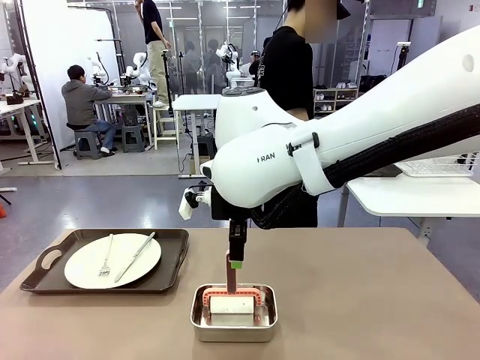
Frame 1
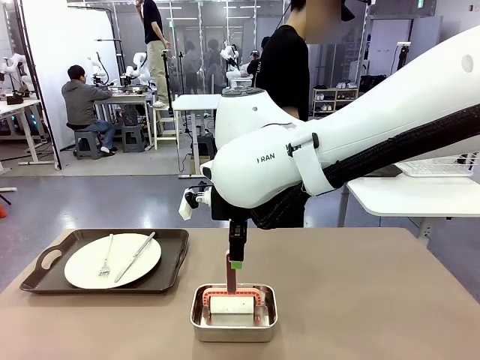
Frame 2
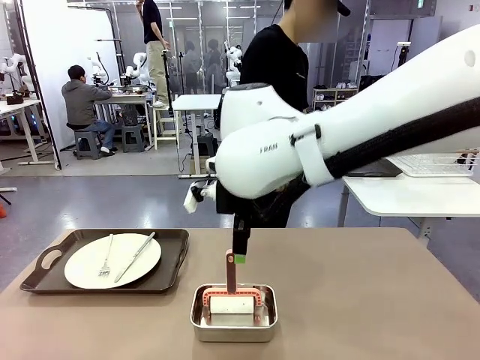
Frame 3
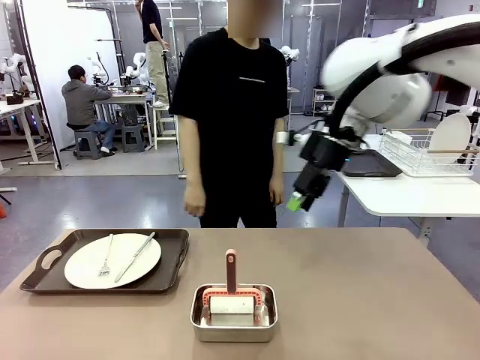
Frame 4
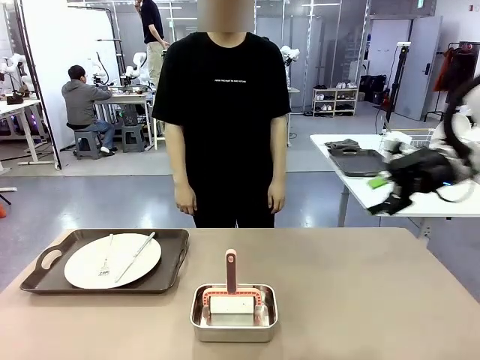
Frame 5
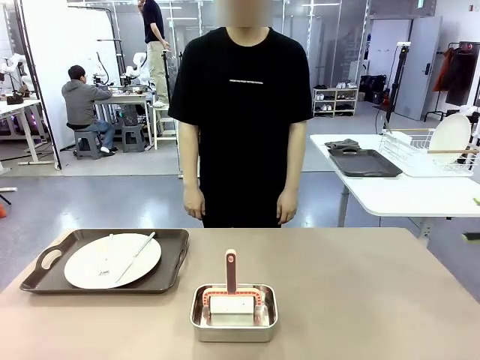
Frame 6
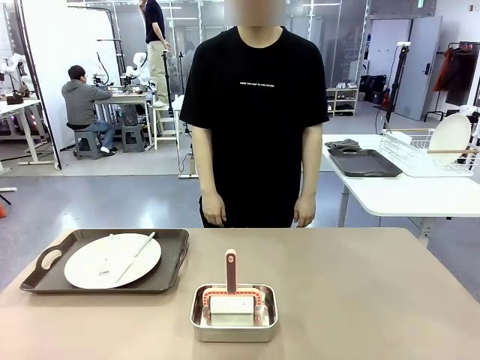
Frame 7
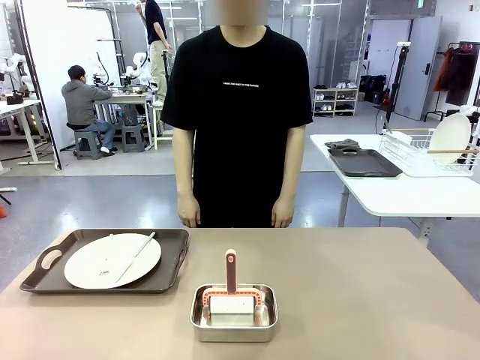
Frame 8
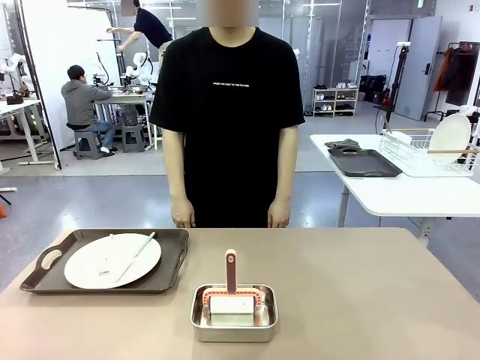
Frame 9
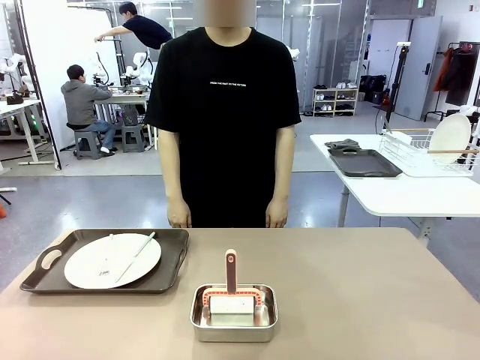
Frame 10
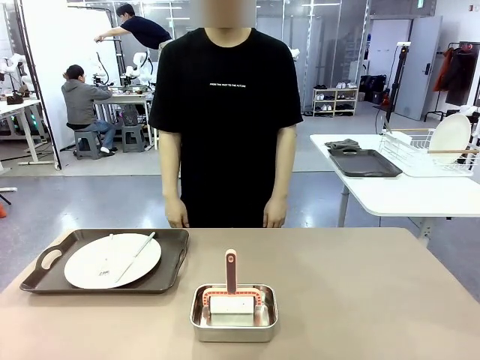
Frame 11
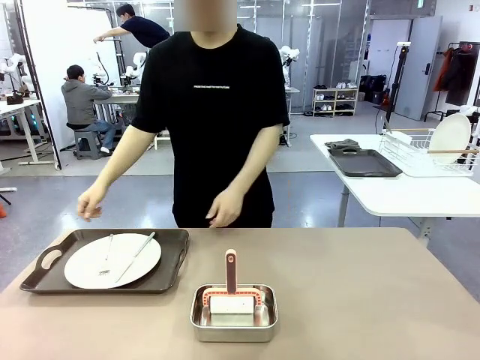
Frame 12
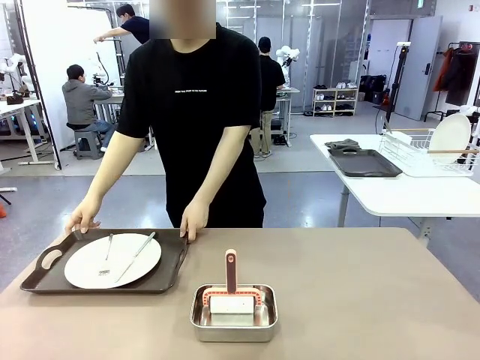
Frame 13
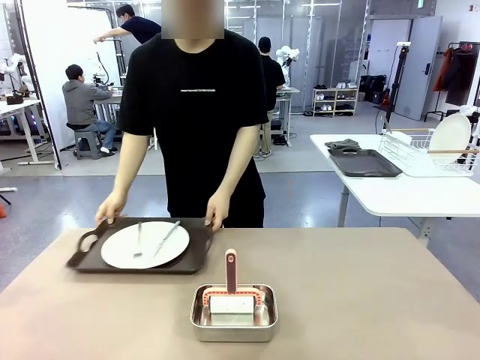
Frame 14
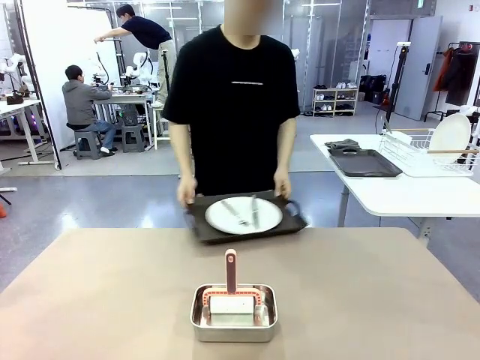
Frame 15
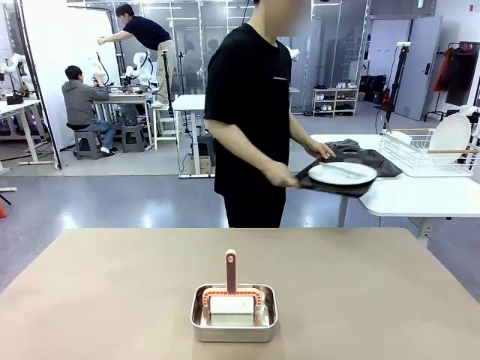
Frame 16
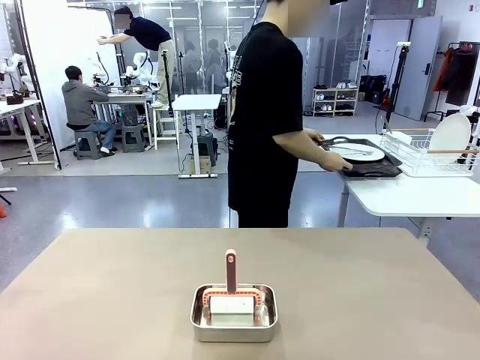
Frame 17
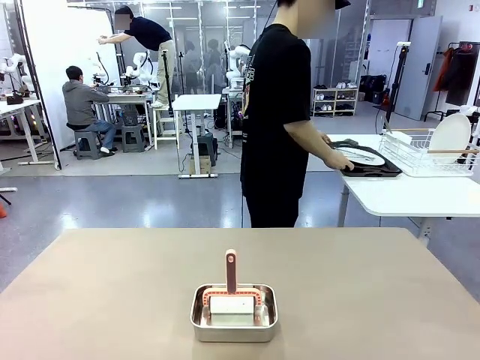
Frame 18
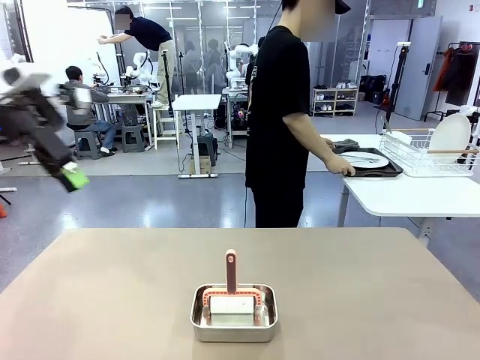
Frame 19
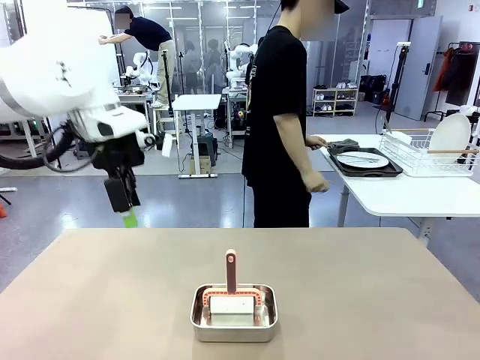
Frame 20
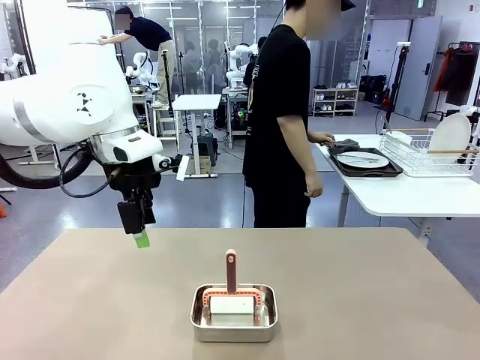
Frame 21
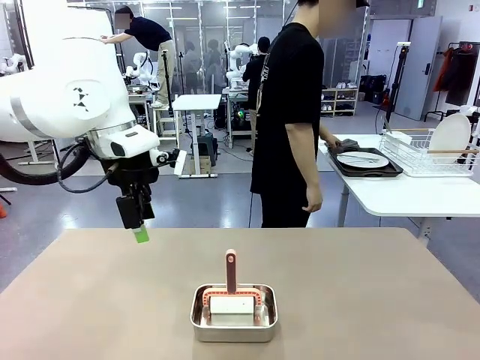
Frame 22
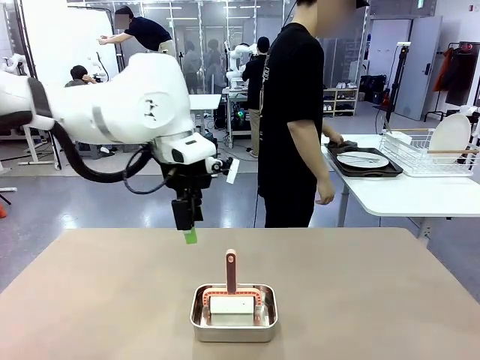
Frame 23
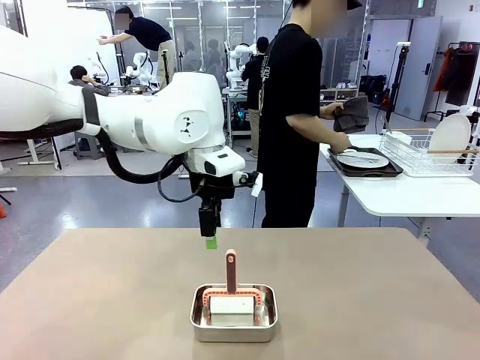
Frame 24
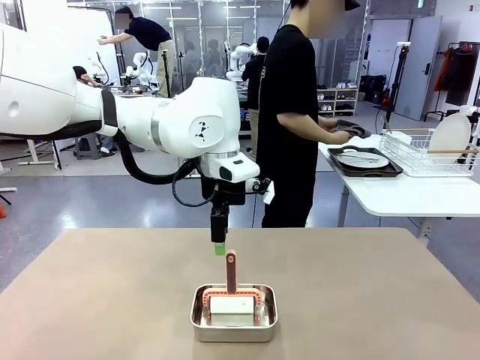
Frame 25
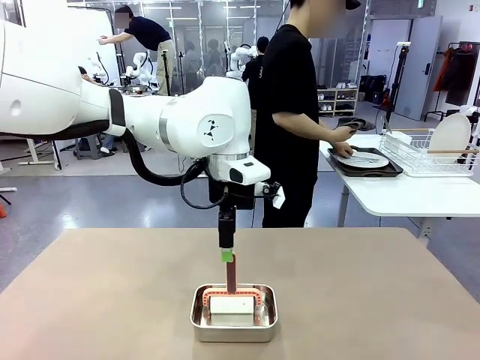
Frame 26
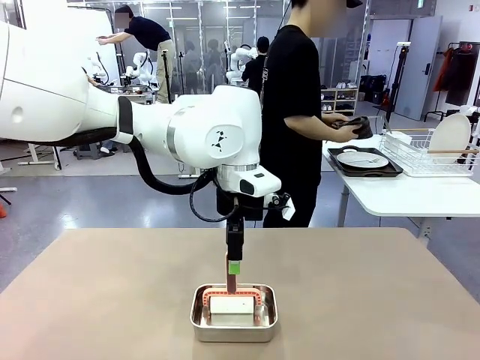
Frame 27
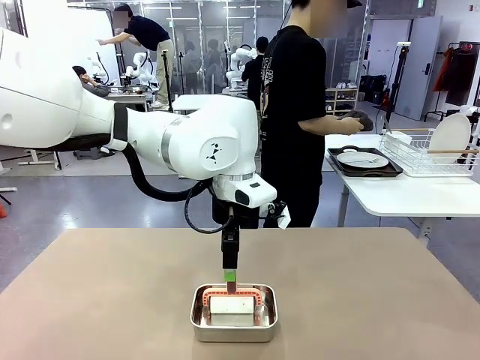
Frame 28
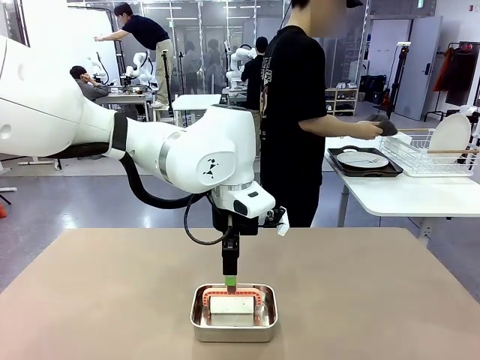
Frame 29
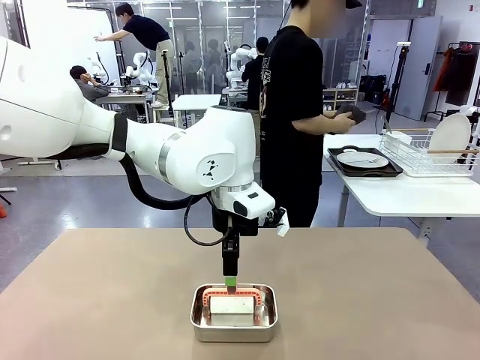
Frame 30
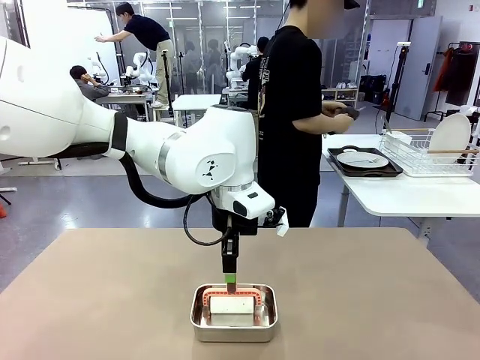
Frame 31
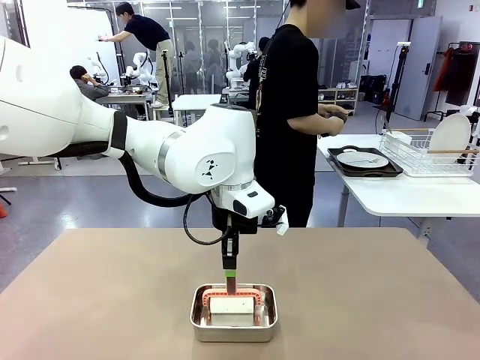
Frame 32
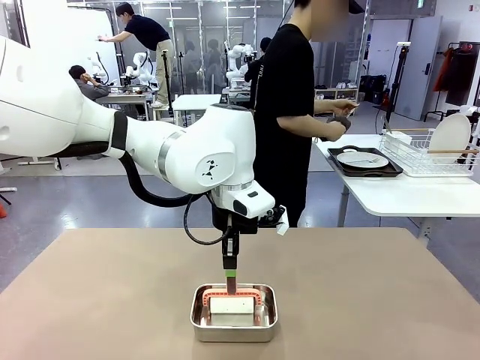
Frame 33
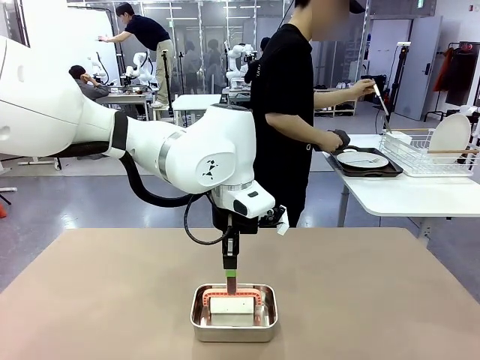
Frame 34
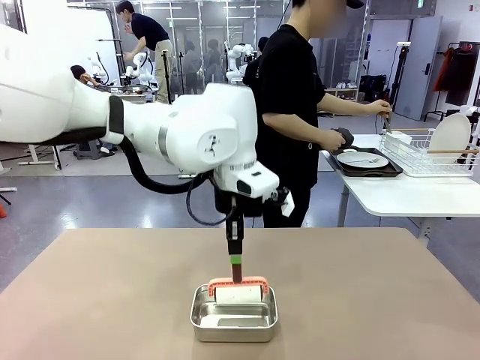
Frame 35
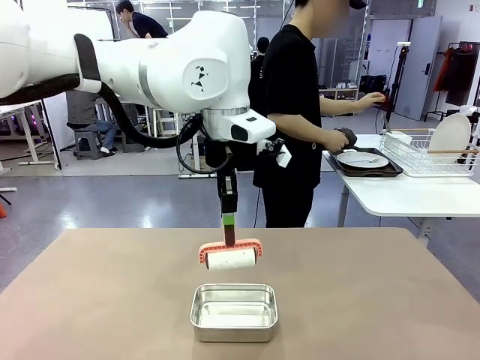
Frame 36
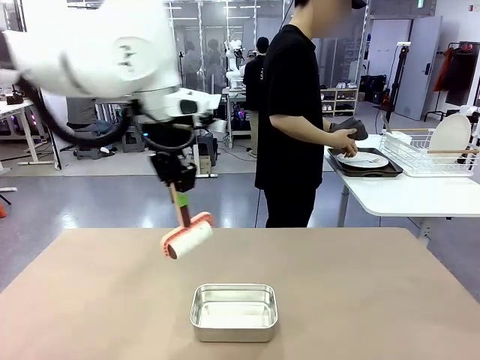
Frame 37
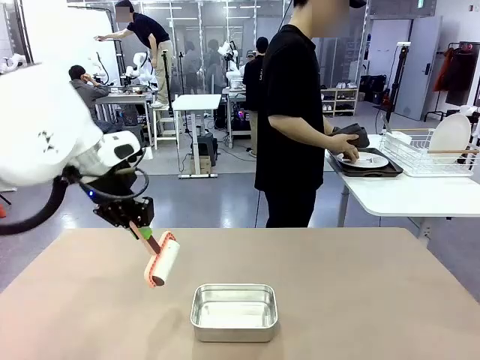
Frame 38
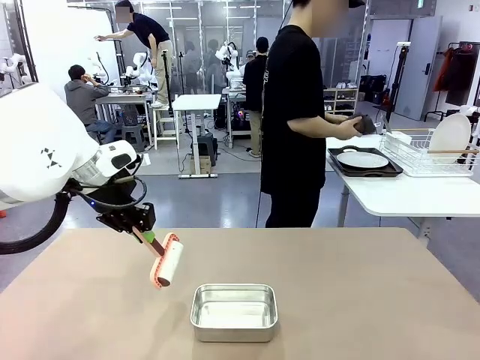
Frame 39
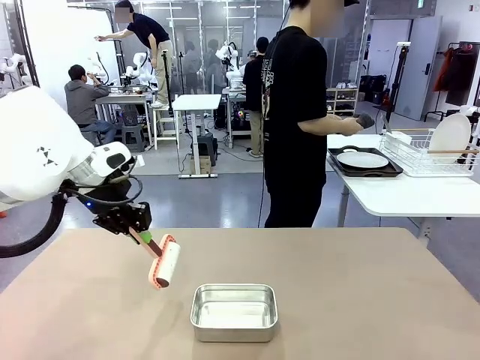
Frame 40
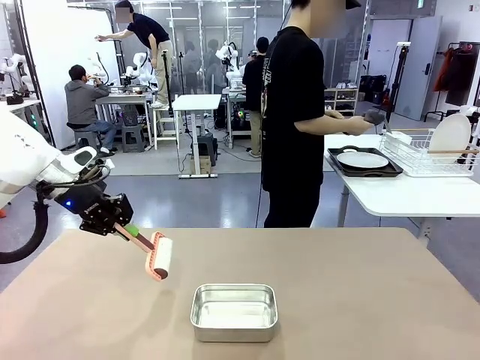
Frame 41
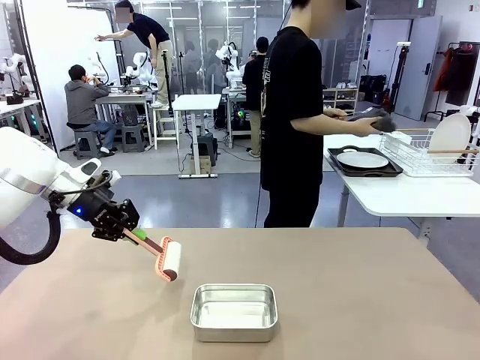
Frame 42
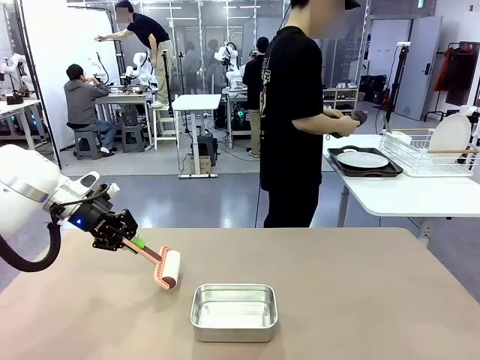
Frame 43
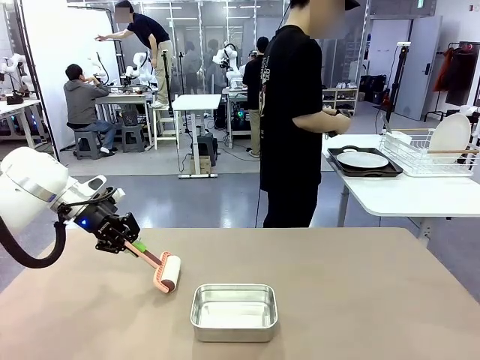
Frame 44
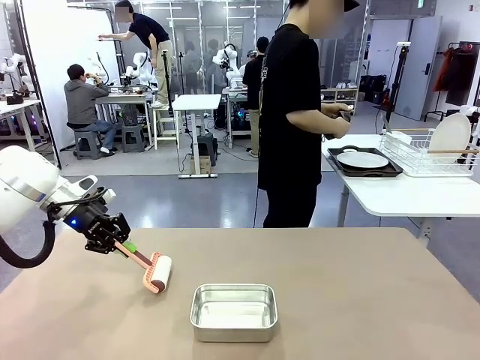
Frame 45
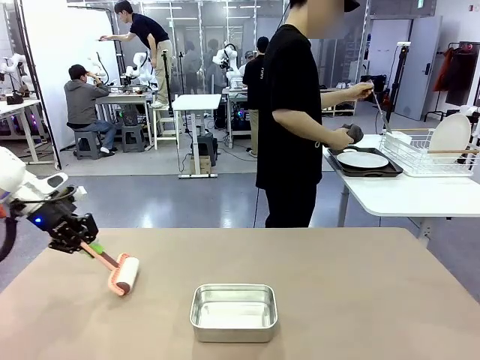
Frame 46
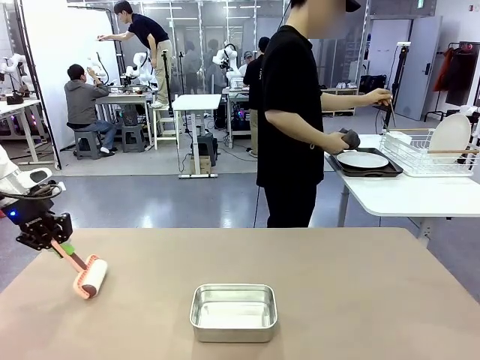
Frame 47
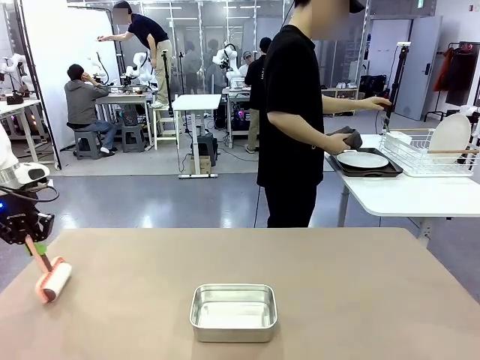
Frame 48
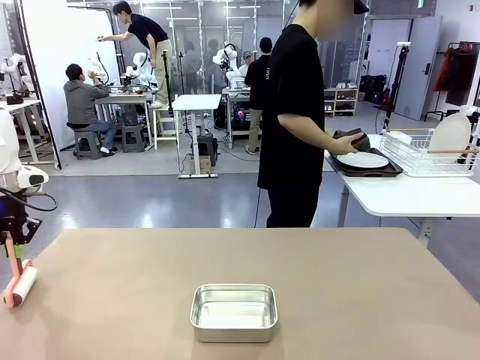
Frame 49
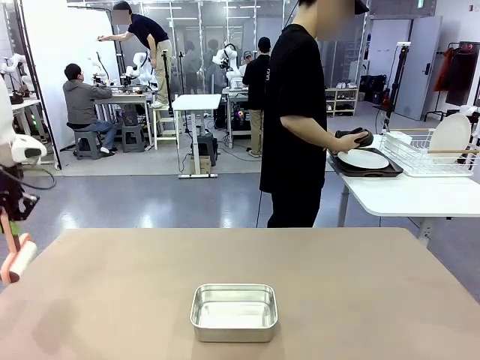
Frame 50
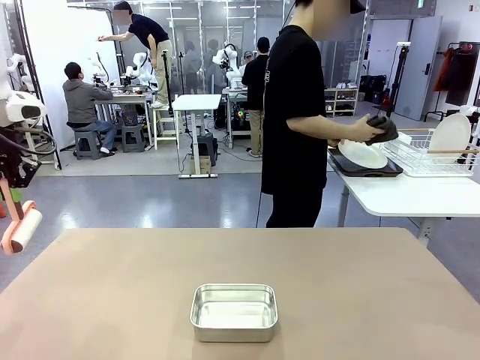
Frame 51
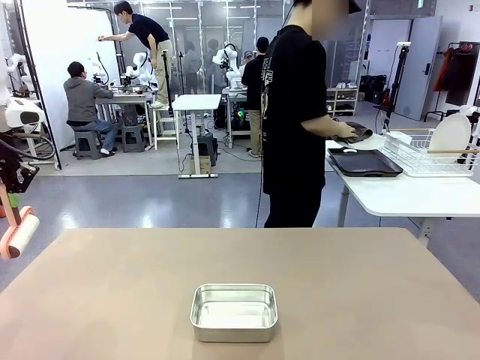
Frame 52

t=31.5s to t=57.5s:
Robot: When the right (or left) Handle tray is removed, use the right hand (or left hand) to clean the right (or left) side of the table with the Lint Roller.
Person: Pick up the left (or right) Handle tray and place it on the Handle tray. Use the Towel with hook to wipe the Plastic Matte Plate , Fork , and Knife and place into the Dish drying rack.
